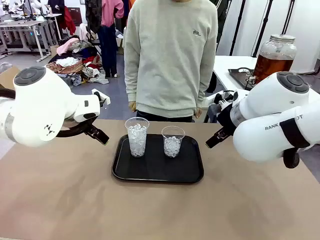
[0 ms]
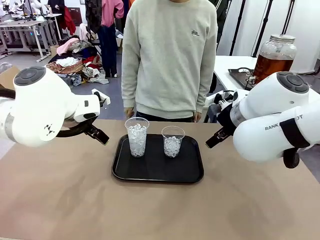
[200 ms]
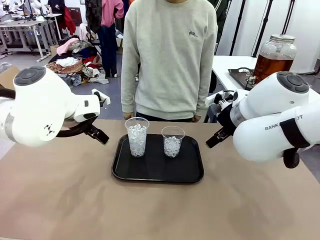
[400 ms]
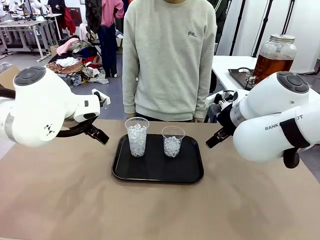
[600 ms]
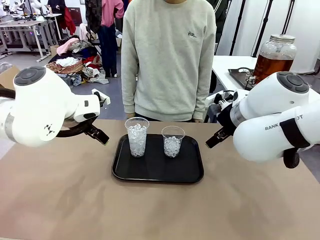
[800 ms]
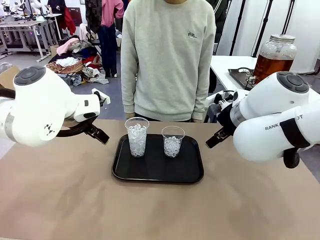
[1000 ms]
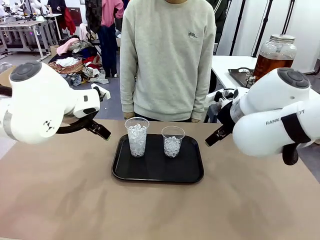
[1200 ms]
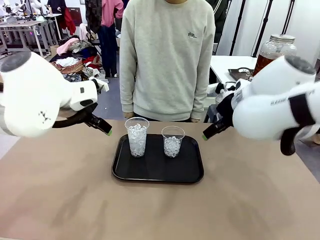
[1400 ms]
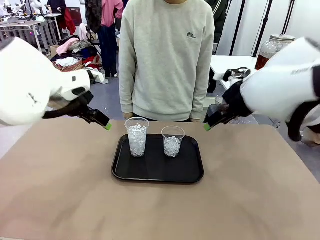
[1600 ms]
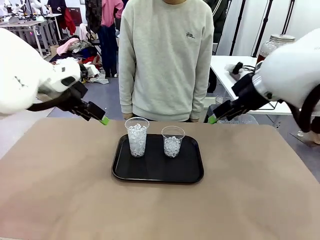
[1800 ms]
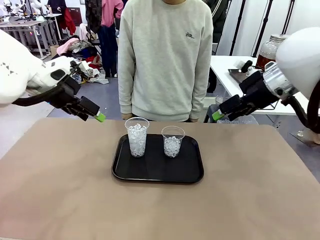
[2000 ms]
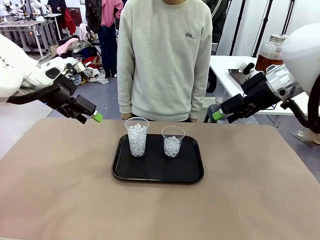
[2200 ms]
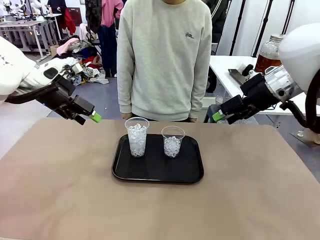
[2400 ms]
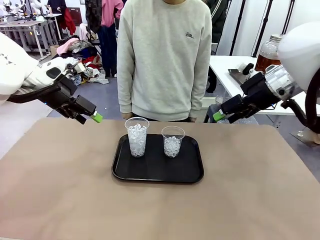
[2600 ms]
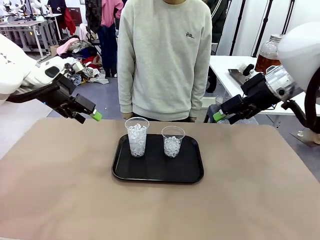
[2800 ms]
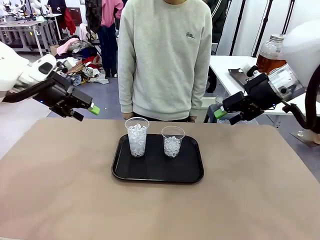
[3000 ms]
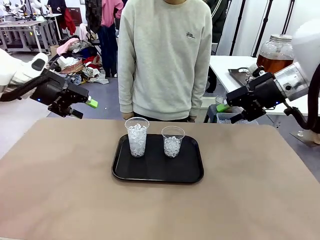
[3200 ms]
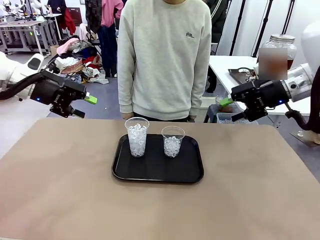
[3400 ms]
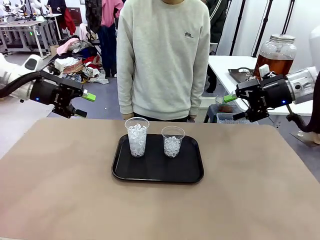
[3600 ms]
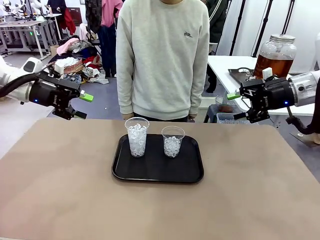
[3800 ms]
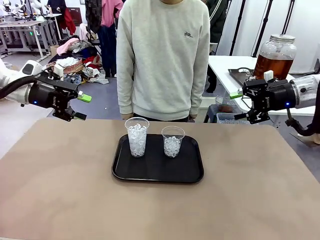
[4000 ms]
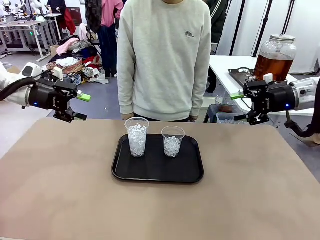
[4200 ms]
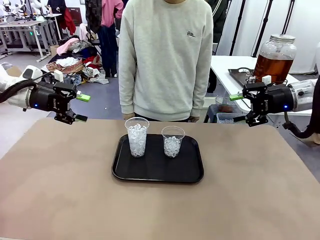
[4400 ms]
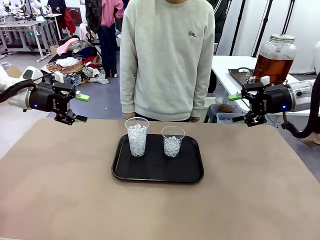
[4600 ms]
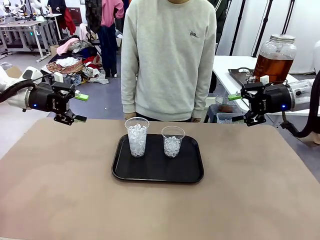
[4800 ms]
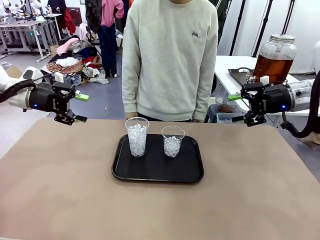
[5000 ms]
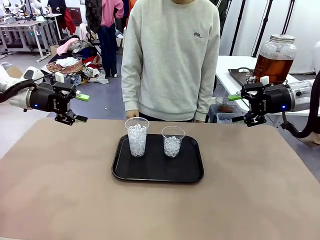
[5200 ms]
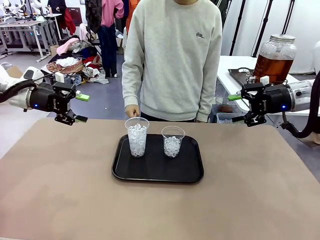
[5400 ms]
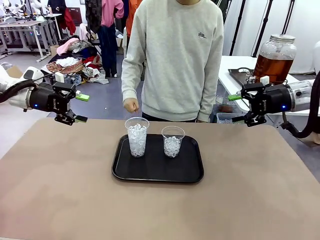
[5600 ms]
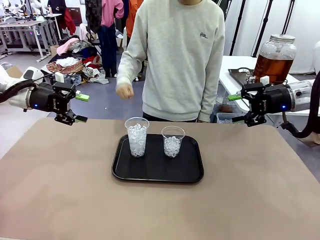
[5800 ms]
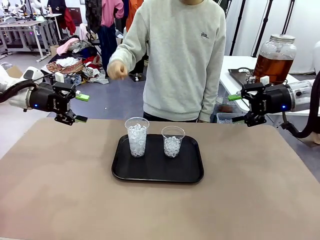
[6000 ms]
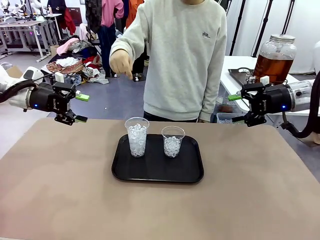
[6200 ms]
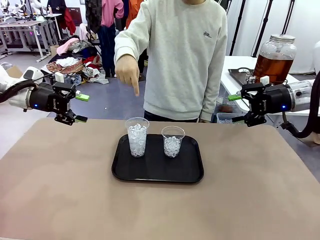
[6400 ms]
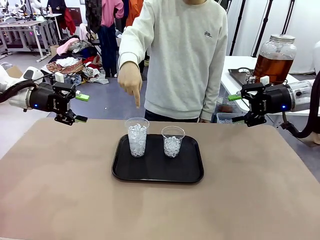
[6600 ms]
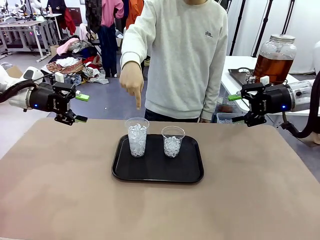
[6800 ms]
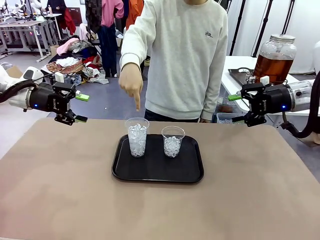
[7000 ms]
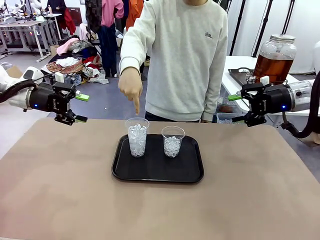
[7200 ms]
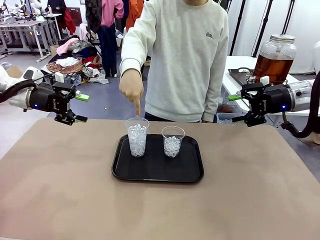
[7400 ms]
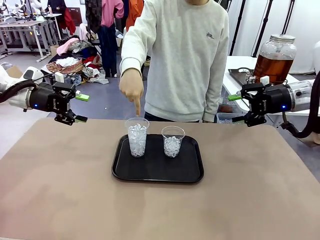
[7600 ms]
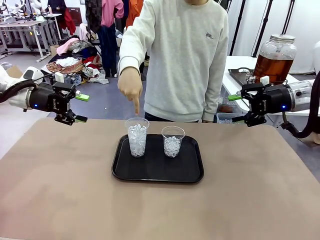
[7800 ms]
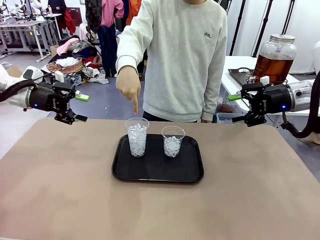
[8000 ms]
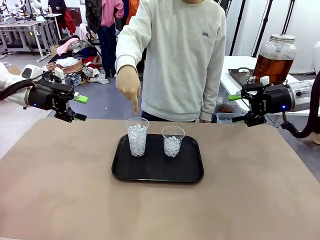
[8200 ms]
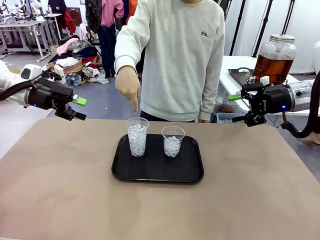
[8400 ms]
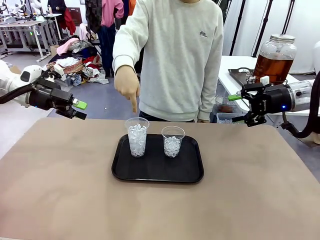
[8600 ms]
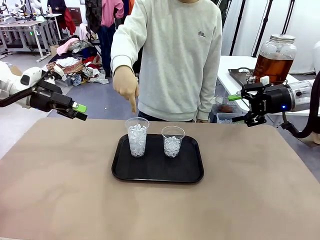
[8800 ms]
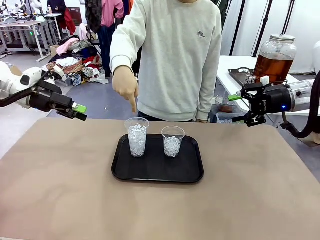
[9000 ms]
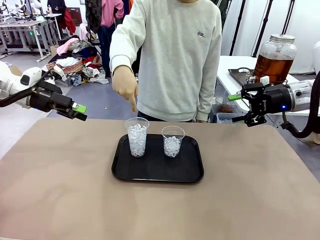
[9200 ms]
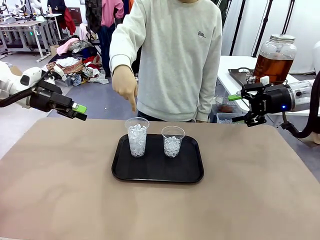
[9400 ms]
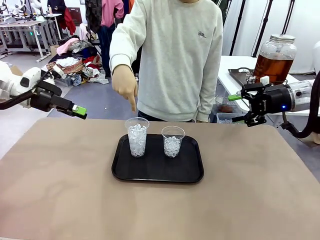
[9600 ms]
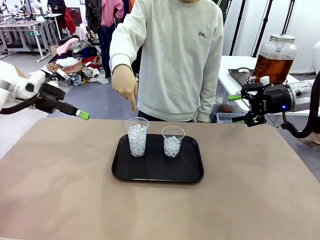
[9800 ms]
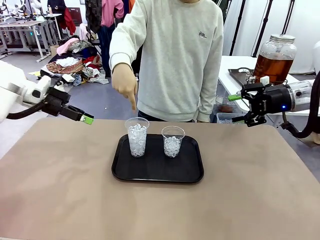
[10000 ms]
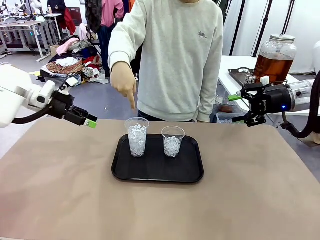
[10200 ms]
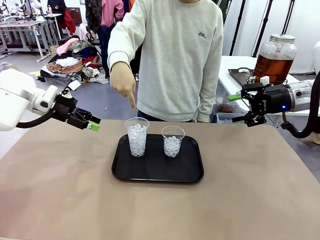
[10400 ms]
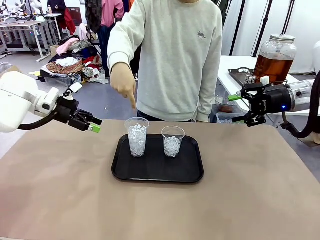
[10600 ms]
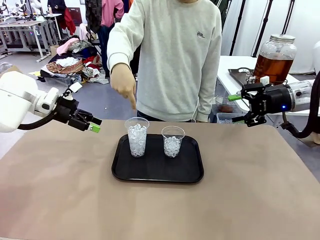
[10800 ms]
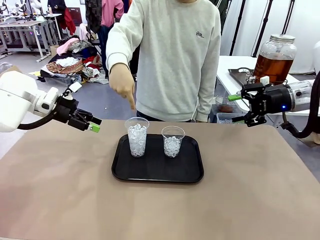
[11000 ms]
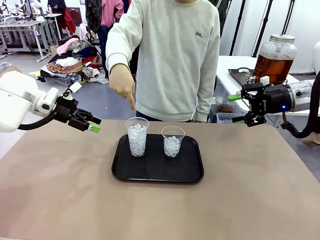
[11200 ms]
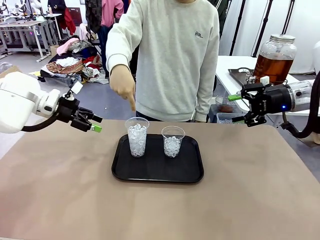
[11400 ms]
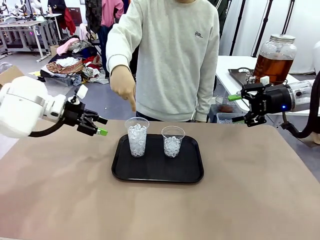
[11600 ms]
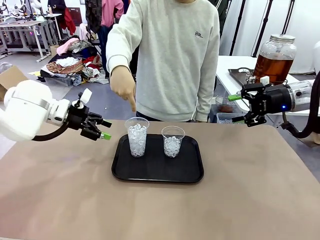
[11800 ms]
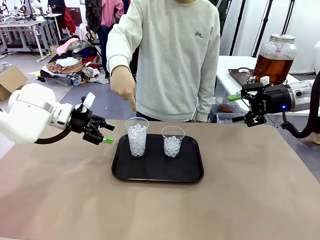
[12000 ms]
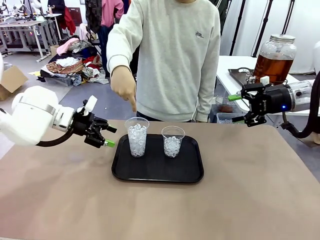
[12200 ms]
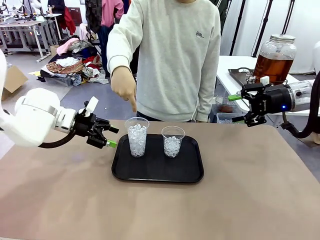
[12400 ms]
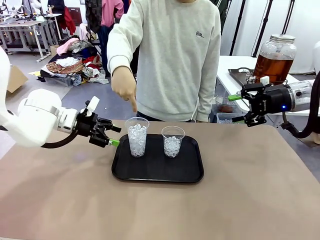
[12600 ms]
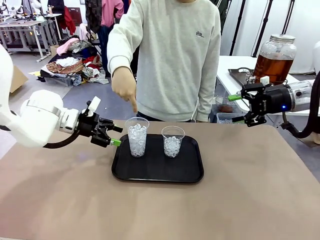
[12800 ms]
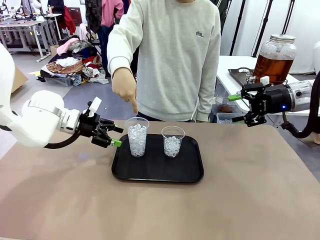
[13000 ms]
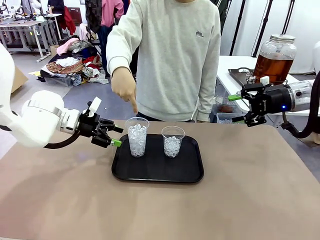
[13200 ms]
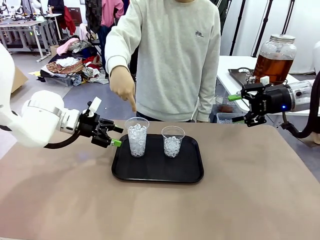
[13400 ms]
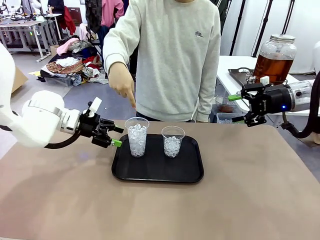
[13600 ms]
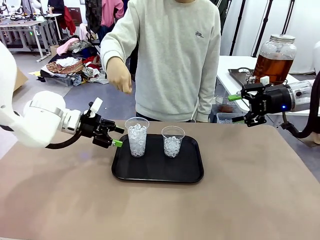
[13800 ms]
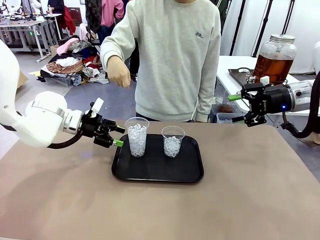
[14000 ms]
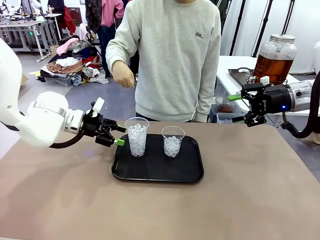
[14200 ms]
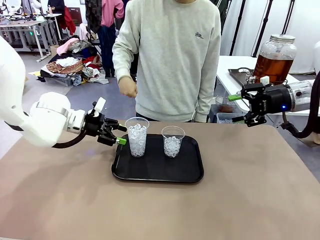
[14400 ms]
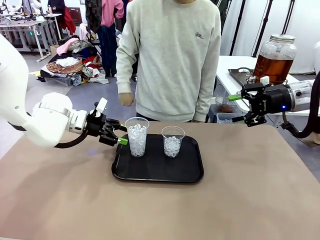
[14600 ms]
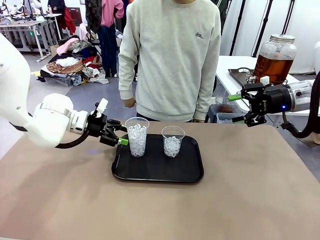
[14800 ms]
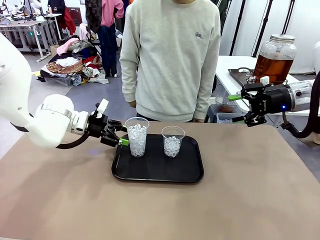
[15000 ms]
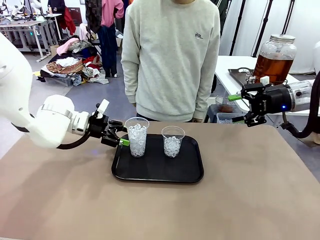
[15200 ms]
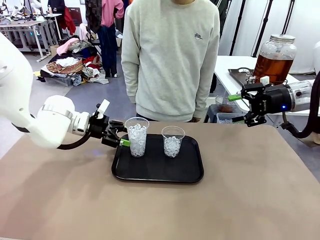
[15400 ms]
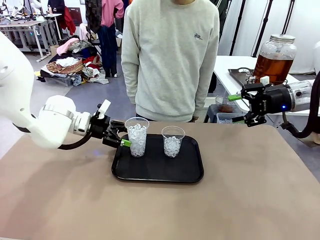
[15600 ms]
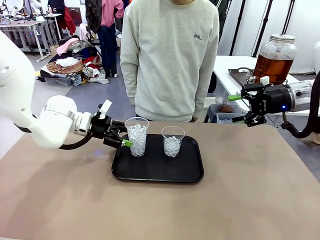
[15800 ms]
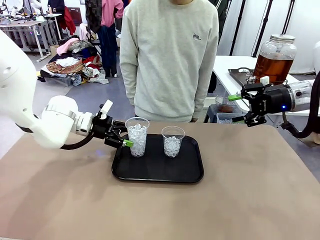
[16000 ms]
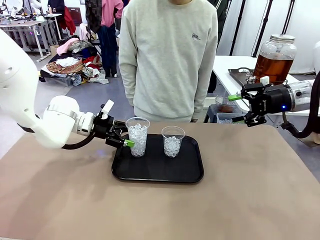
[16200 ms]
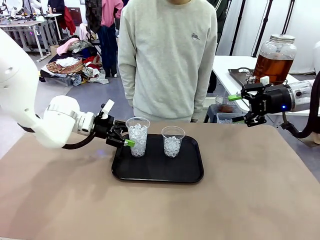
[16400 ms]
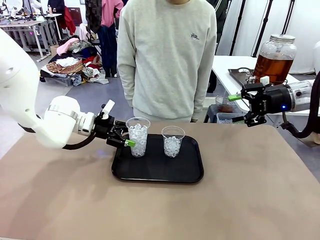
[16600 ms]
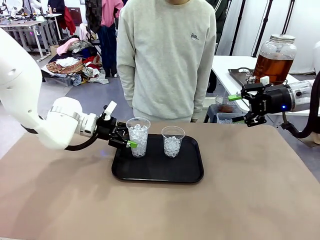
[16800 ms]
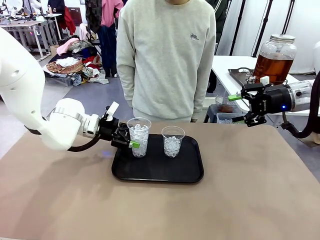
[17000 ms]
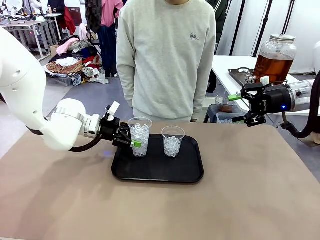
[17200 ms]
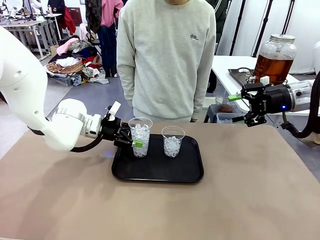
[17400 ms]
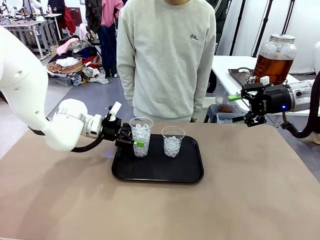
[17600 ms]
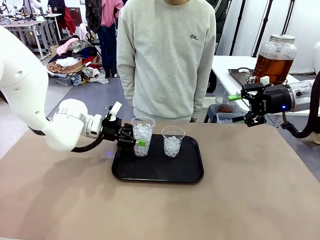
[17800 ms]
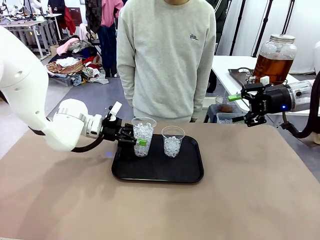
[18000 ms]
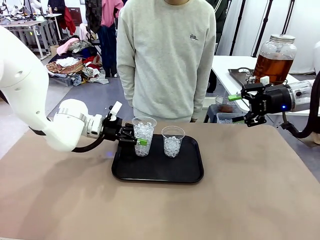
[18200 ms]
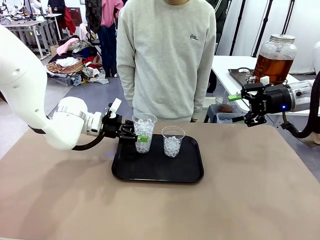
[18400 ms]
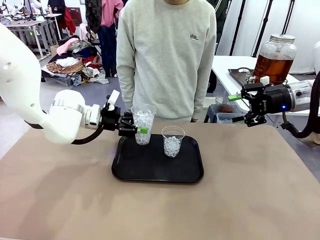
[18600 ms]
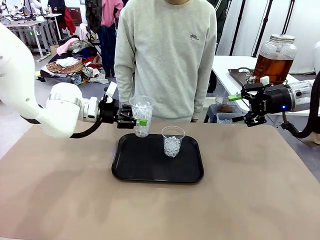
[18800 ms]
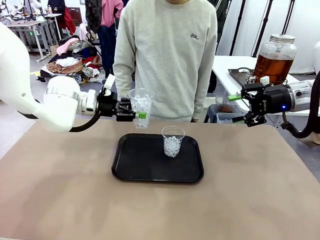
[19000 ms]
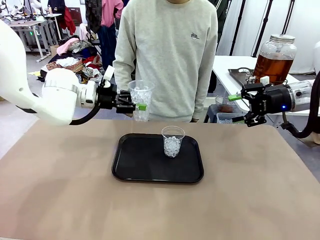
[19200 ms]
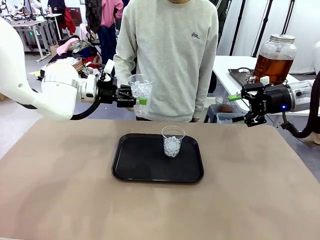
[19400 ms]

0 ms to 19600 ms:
Task: Pour the drink into the iced cup.
Robot: Pick up the iced cup indicated by the human and present it to them.
Person: Point to one of the two ice cups. Pick up the cup offered by the robot.

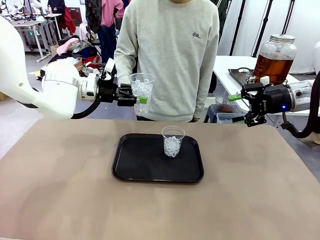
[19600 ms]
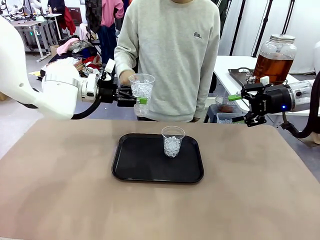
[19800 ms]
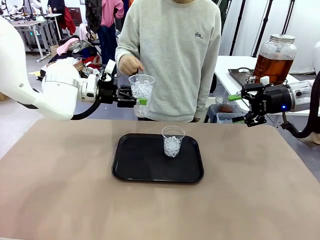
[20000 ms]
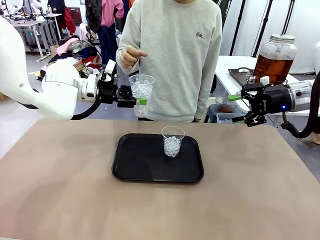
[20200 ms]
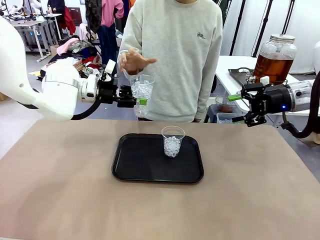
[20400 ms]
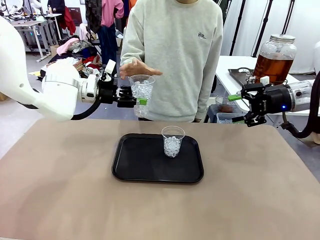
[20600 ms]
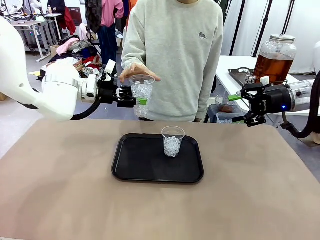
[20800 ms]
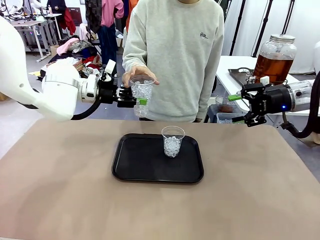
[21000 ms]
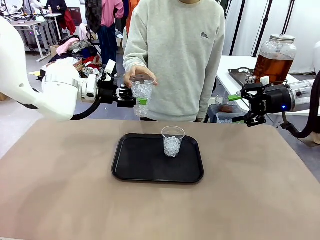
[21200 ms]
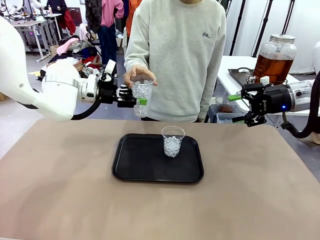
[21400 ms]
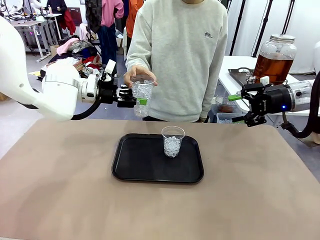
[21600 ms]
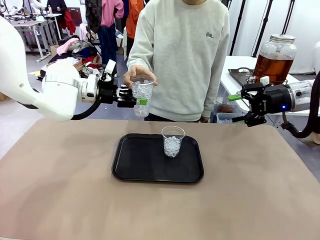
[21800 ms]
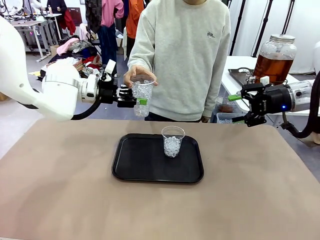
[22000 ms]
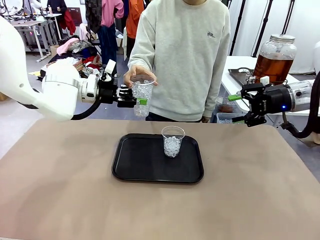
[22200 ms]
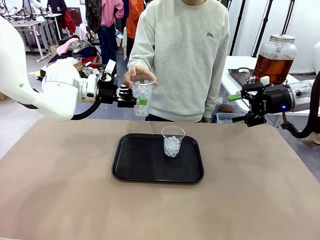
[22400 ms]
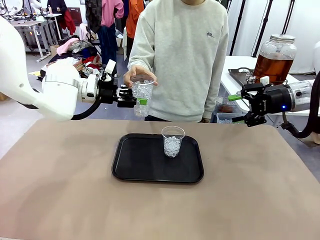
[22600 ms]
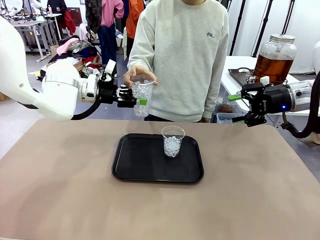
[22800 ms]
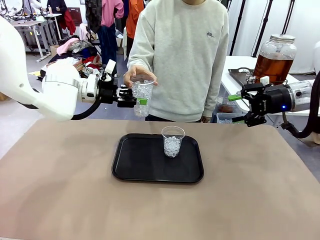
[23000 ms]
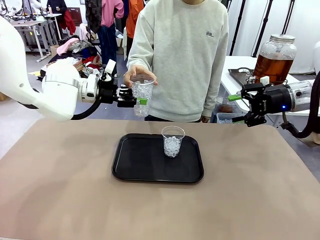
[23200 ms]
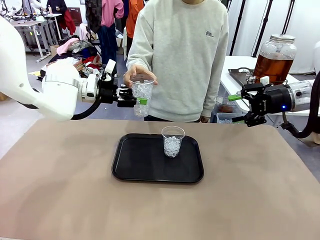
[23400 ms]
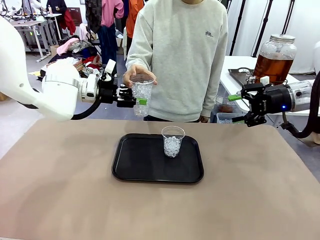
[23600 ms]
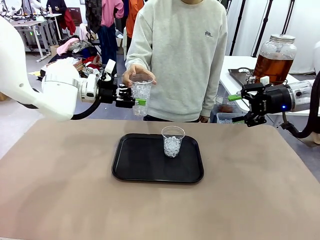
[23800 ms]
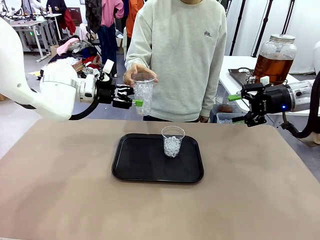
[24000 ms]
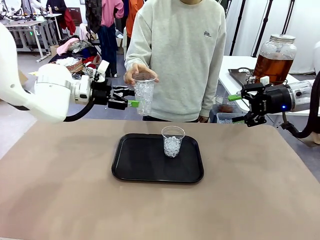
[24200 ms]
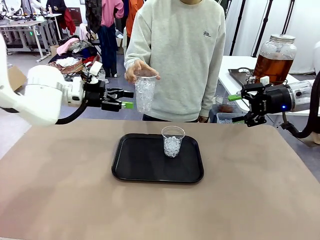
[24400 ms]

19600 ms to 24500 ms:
Robot: Open the gripper to release the iced cup you were holding.
